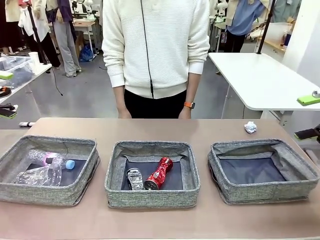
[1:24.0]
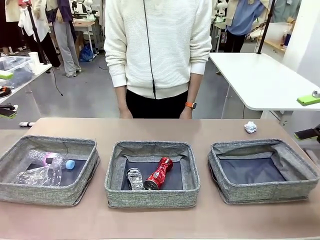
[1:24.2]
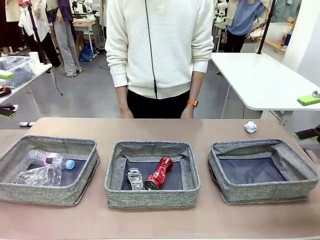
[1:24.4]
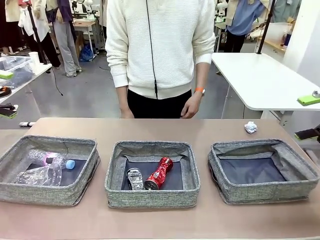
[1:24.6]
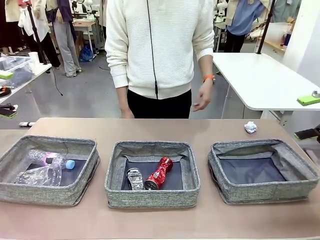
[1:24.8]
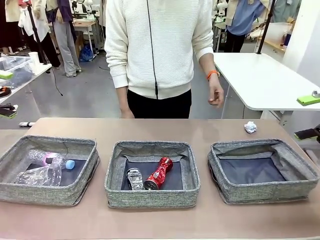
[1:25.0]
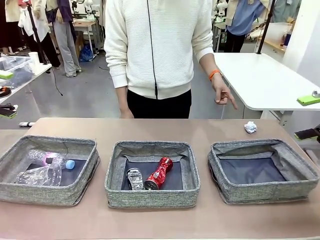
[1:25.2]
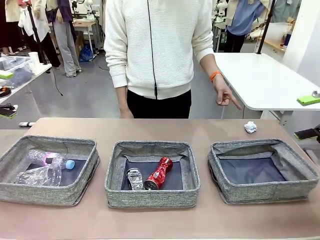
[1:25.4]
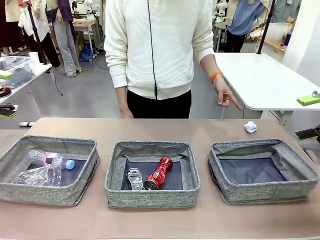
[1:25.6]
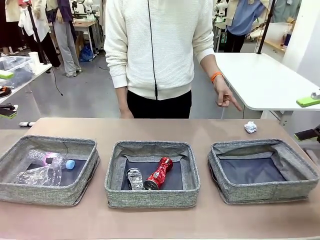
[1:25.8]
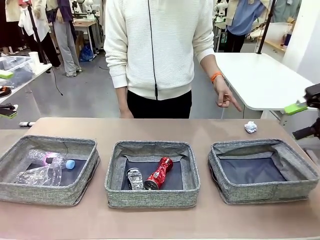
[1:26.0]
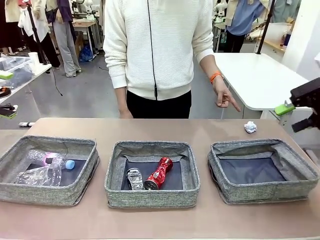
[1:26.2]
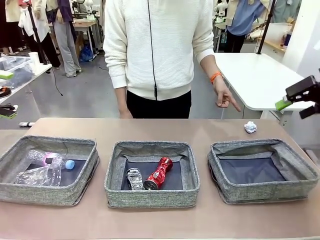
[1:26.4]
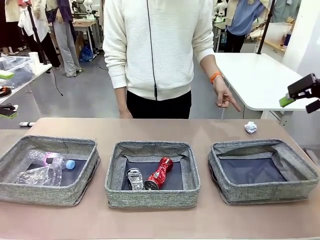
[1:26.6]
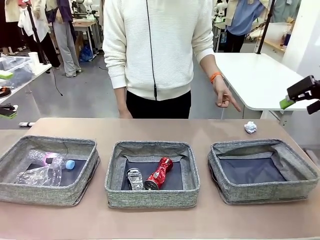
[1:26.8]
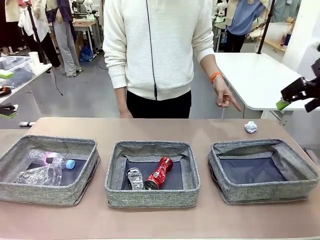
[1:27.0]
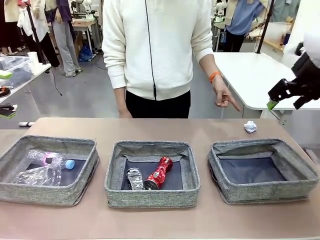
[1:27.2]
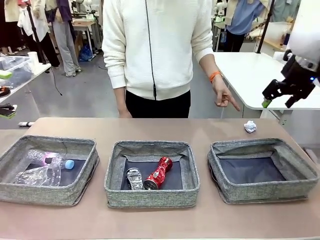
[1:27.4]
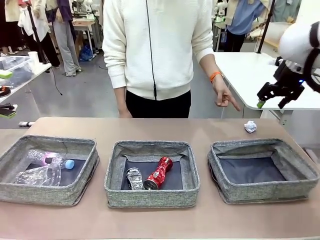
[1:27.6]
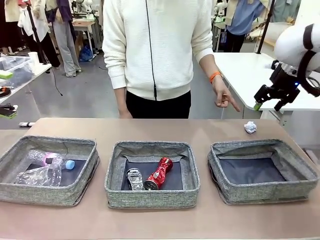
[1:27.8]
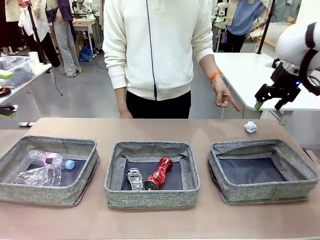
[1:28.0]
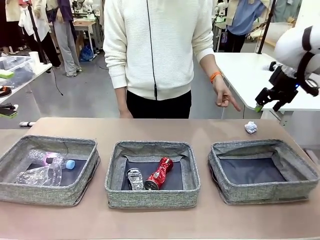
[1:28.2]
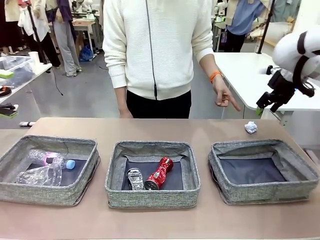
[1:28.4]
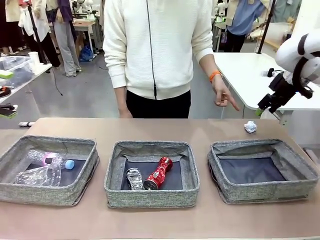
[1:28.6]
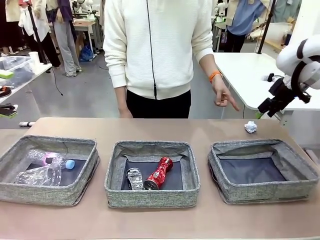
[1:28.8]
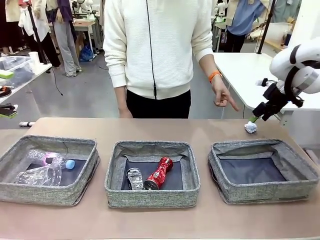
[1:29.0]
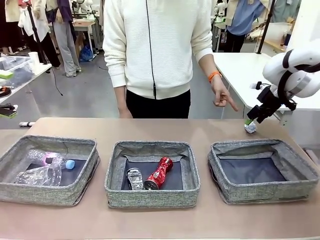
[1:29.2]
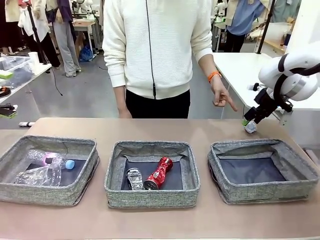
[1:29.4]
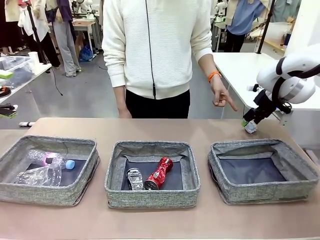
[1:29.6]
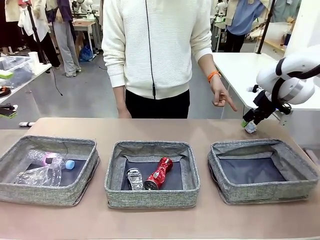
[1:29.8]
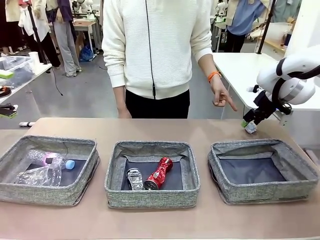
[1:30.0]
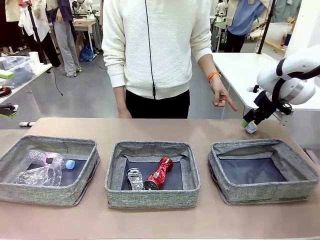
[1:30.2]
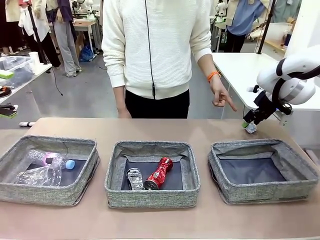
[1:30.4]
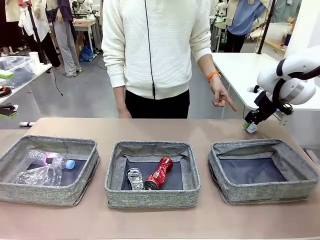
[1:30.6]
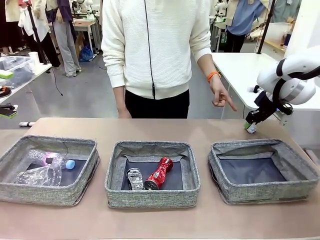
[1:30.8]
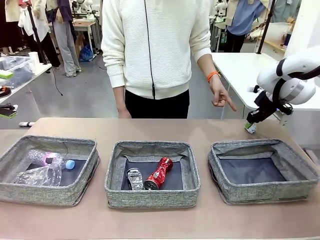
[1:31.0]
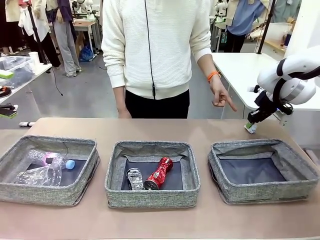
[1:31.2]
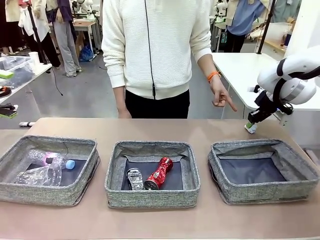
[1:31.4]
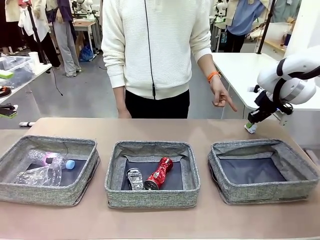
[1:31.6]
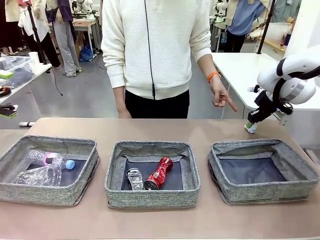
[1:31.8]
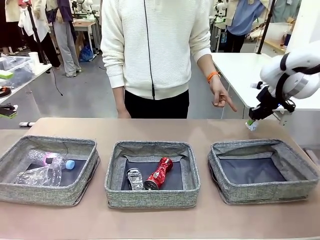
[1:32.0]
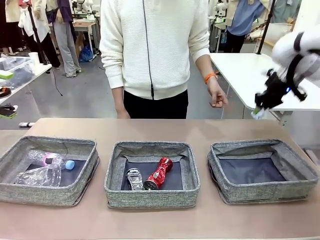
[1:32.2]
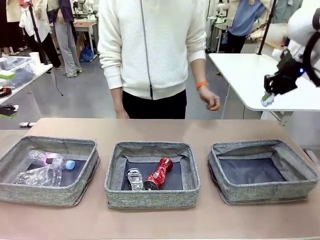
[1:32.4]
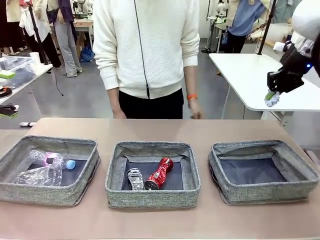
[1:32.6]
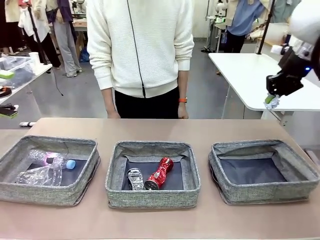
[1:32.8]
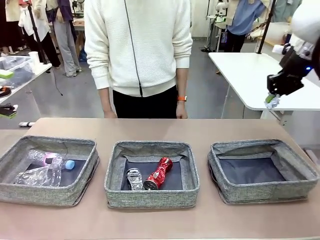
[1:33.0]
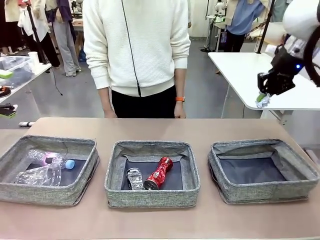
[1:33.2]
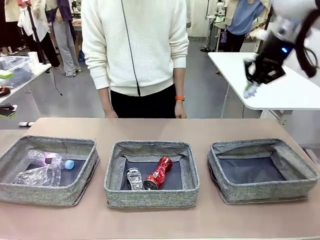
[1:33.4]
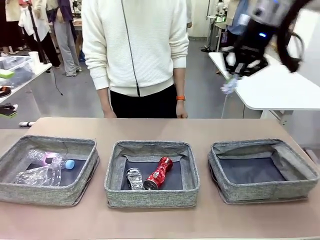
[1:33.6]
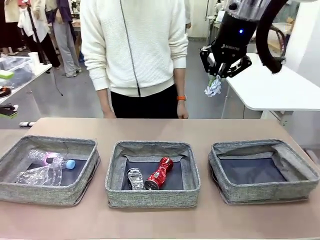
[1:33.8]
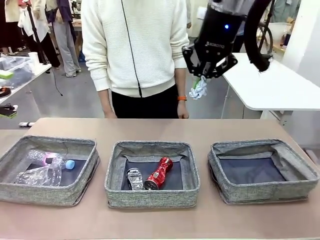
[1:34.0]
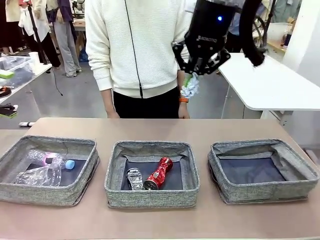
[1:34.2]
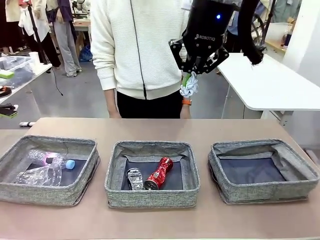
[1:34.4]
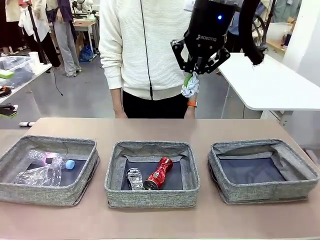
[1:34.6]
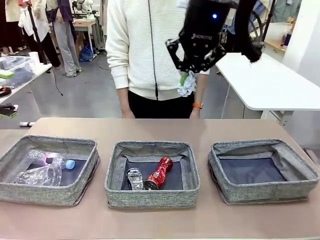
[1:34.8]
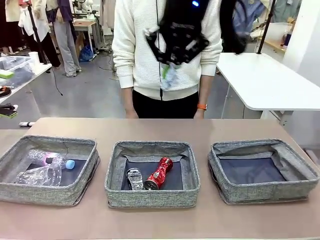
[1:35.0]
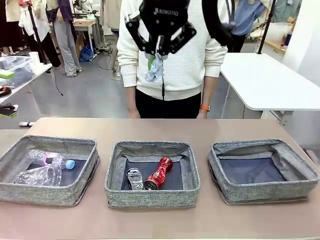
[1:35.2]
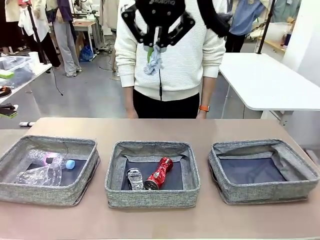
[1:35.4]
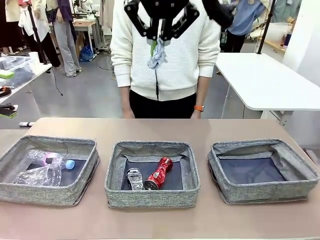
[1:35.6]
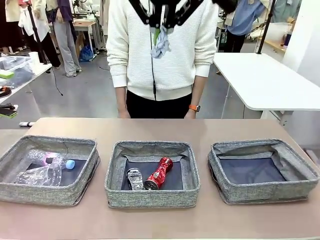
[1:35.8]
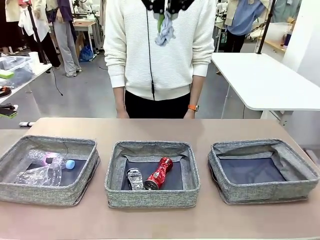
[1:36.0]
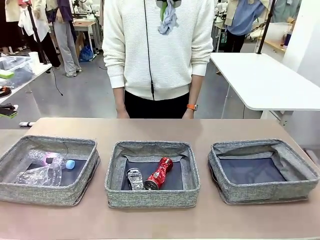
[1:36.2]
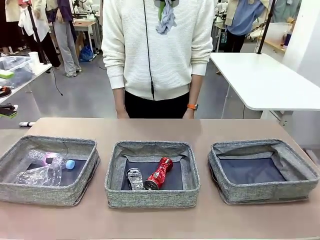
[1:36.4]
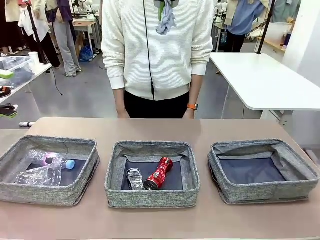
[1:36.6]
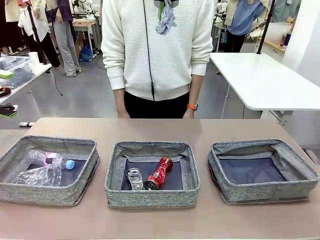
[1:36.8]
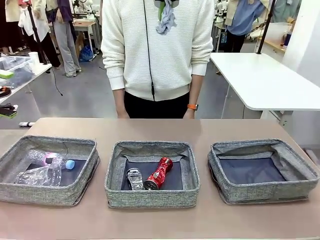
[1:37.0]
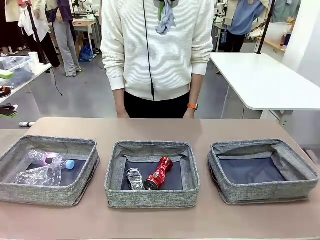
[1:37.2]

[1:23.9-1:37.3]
Task: Sort the waste into the appropriate baskets.
Robot: Pick up the waste item pointed out by the person.
Person: Points to one piece of trash on the table.

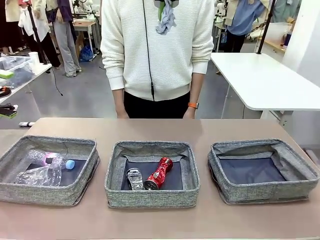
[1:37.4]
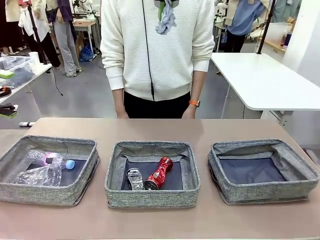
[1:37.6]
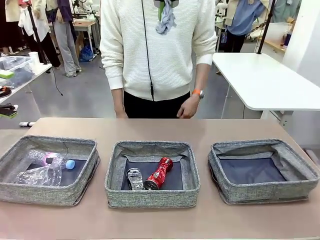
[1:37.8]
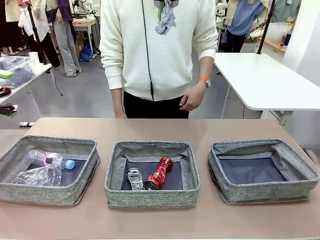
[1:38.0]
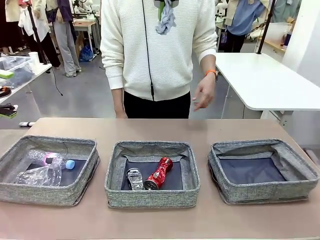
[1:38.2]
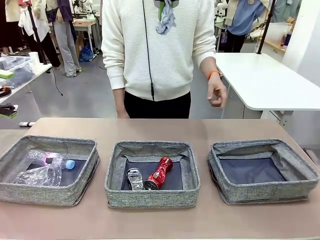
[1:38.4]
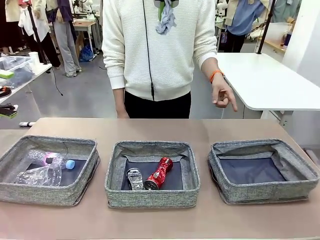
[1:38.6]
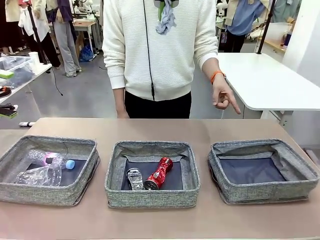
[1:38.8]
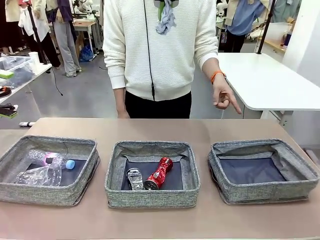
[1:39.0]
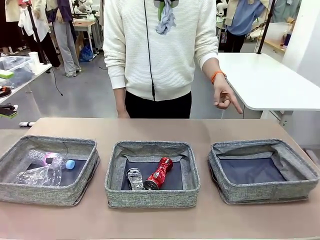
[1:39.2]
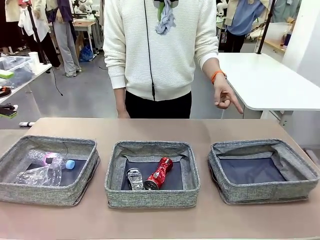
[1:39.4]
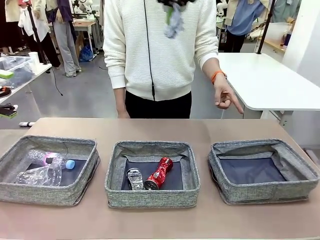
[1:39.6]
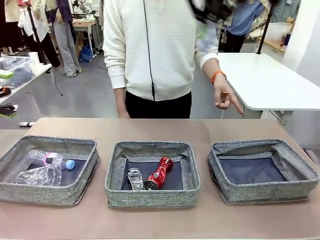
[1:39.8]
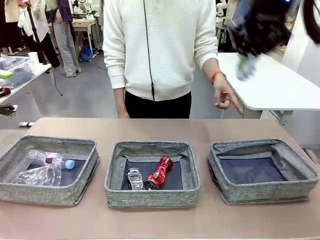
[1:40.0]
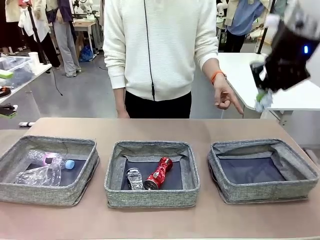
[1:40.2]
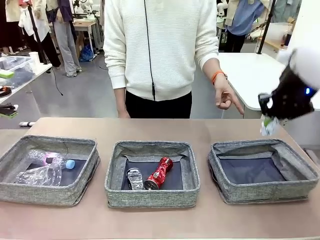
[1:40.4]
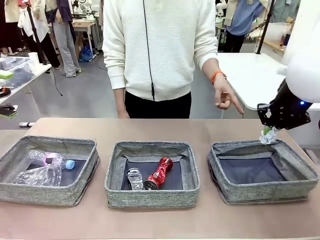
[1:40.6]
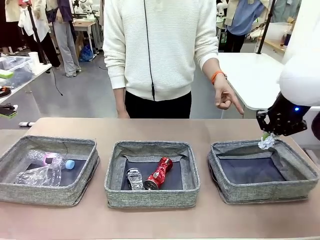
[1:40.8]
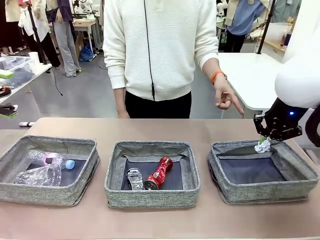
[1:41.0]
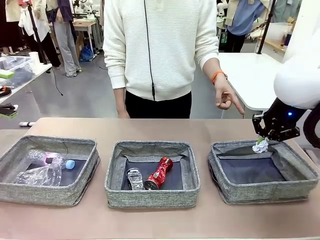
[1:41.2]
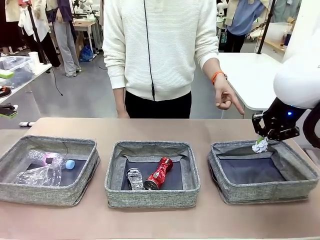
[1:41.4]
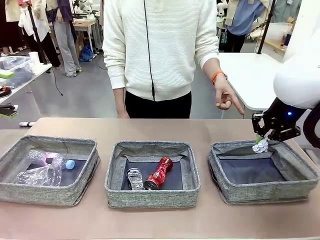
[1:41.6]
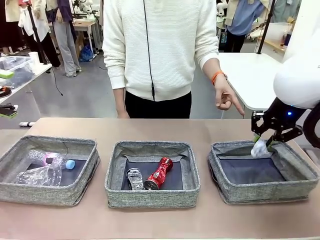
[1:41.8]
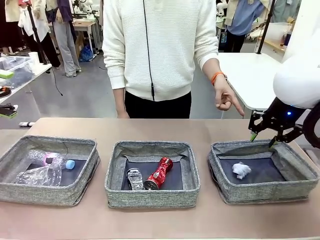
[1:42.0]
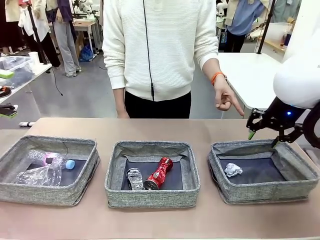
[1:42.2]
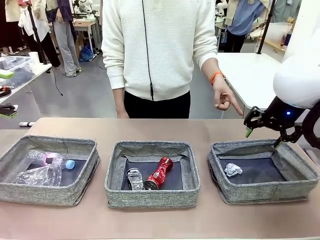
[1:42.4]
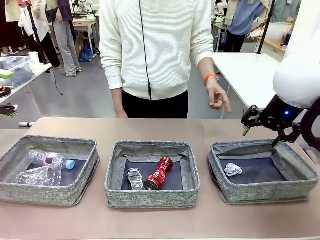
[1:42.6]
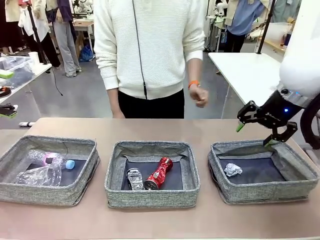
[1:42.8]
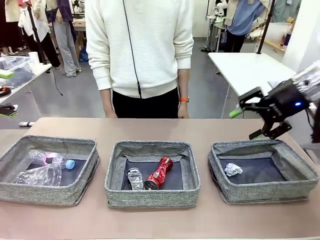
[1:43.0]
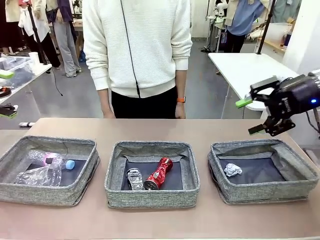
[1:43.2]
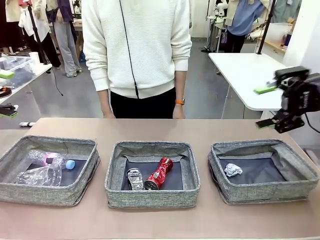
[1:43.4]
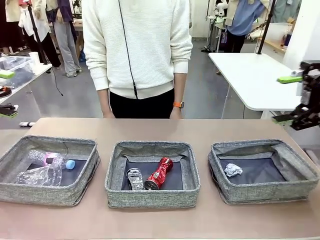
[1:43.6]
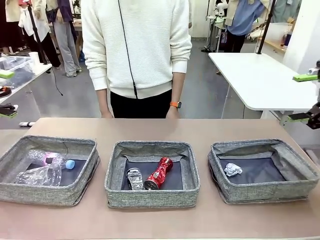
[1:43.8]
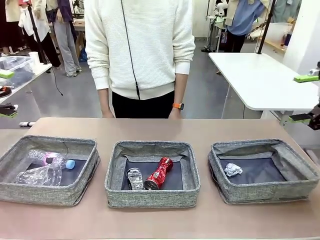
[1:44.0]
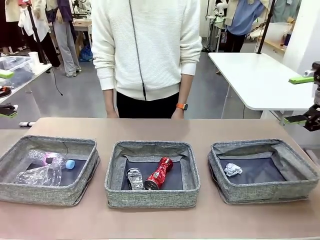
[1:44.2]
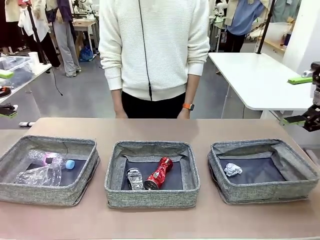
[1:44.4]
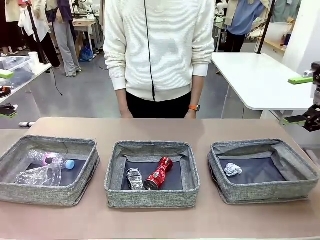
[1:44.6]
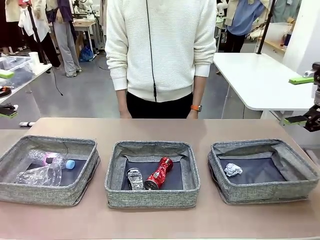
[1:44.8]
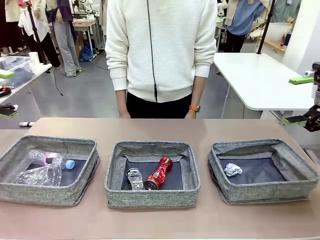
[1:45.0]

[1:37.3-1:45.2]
Robot: Place the picked waste into the Fabric basket indicated by the person.
Person: Instructs the robot to place the picked-up trash into the appropriate organizing basket.
